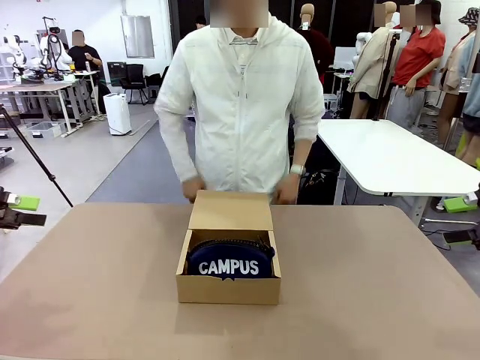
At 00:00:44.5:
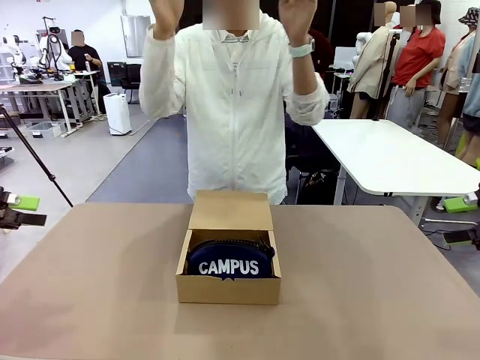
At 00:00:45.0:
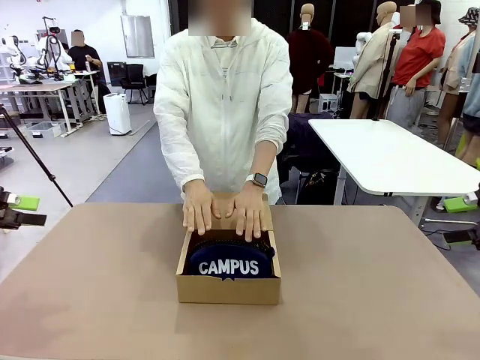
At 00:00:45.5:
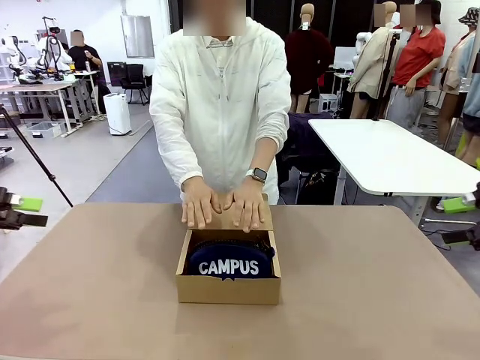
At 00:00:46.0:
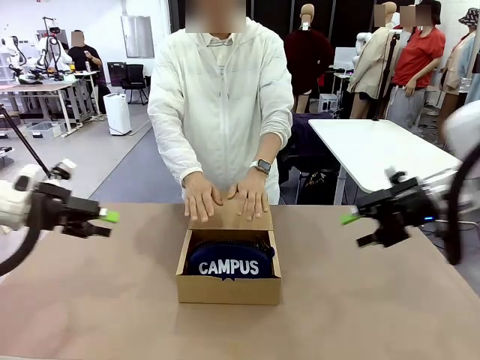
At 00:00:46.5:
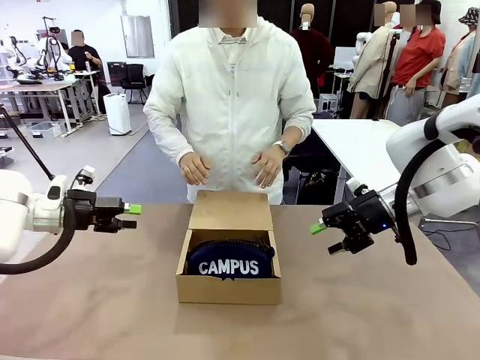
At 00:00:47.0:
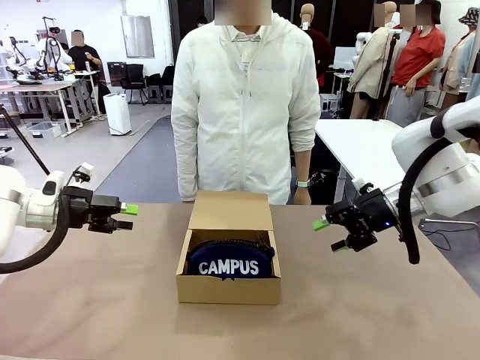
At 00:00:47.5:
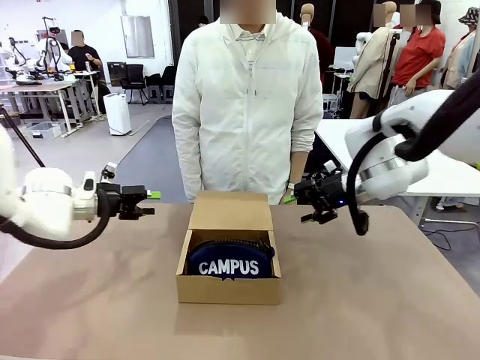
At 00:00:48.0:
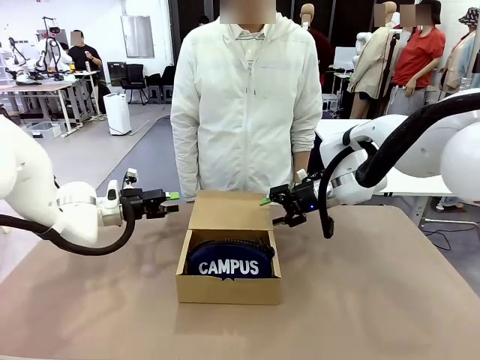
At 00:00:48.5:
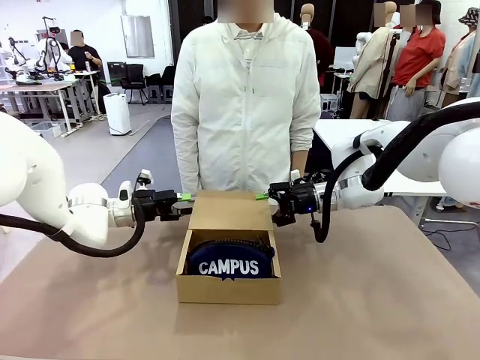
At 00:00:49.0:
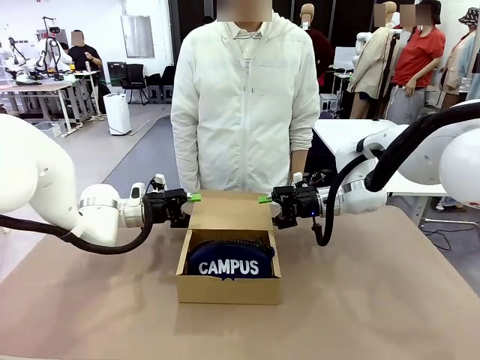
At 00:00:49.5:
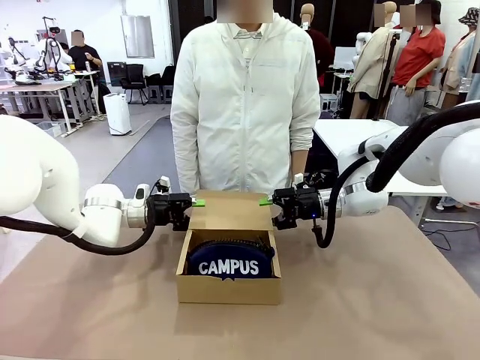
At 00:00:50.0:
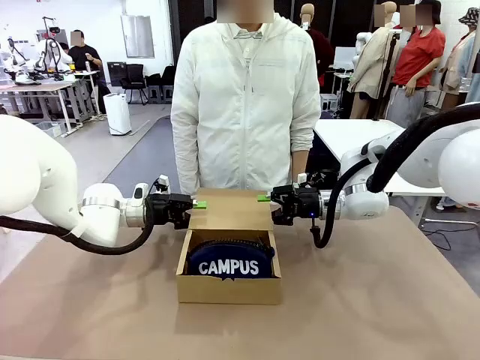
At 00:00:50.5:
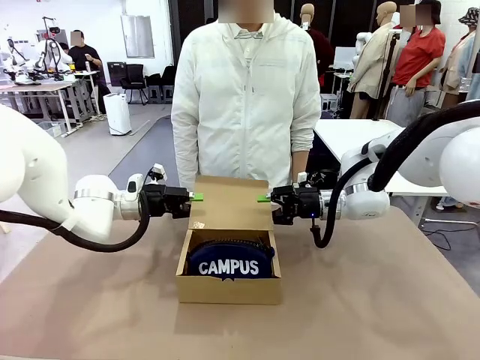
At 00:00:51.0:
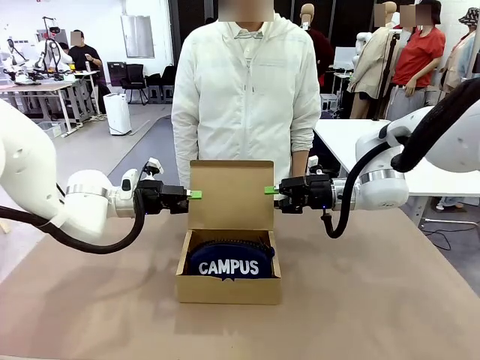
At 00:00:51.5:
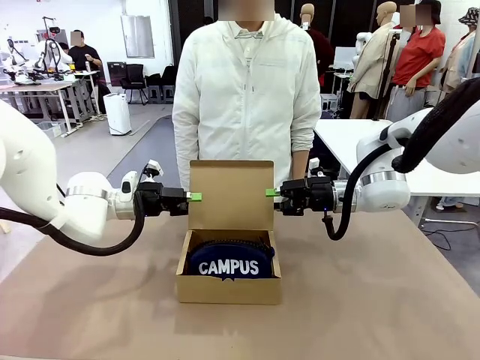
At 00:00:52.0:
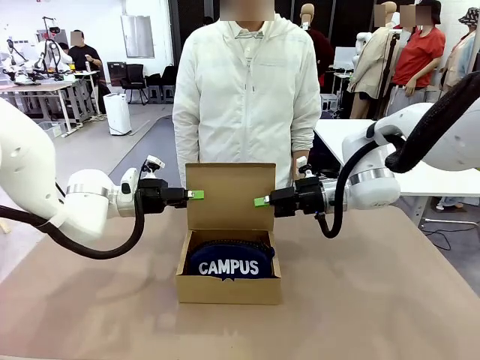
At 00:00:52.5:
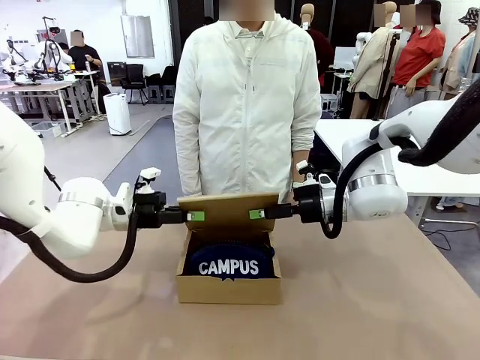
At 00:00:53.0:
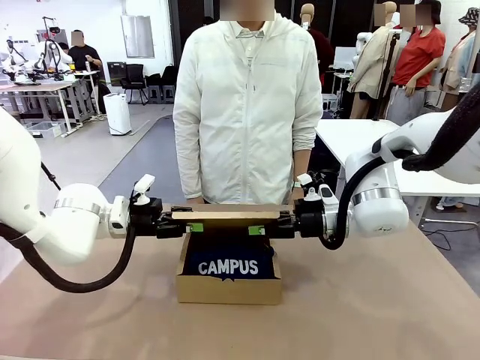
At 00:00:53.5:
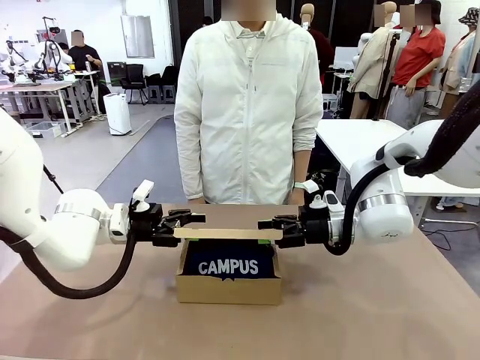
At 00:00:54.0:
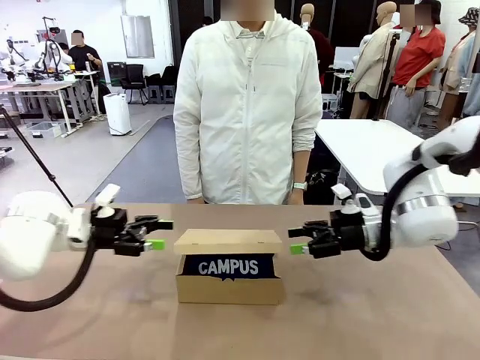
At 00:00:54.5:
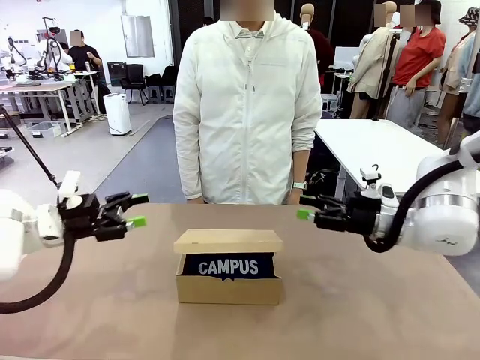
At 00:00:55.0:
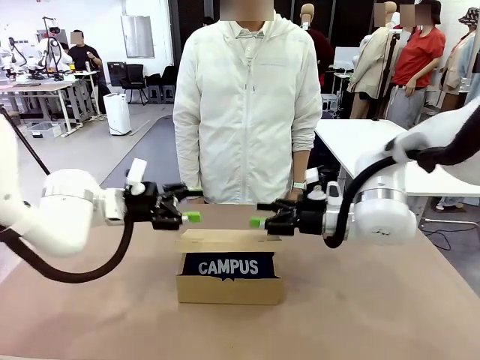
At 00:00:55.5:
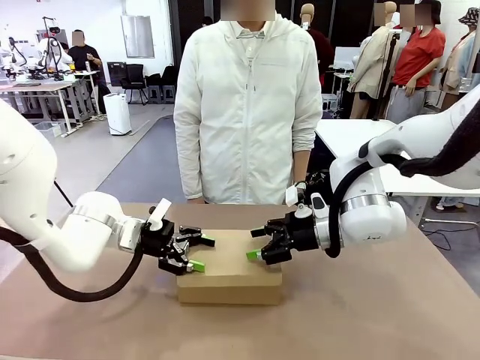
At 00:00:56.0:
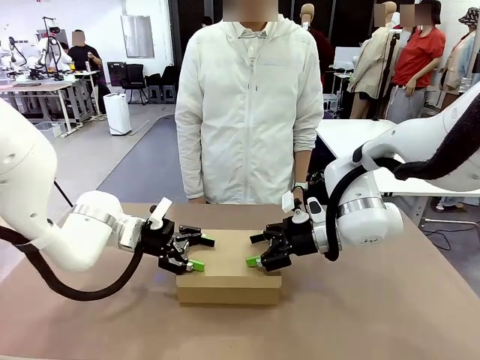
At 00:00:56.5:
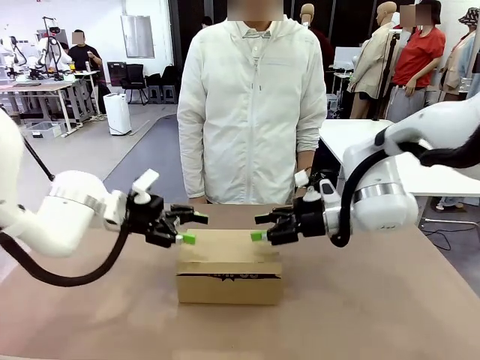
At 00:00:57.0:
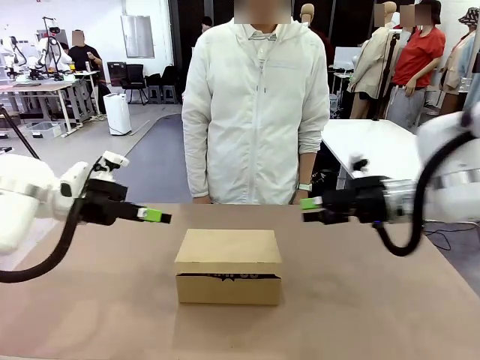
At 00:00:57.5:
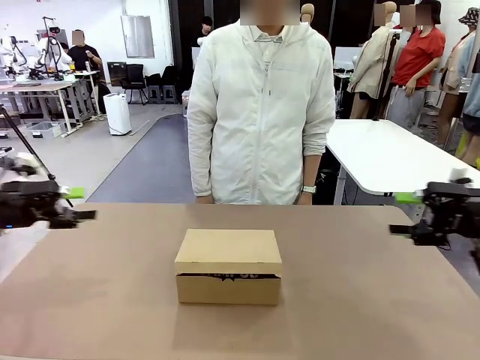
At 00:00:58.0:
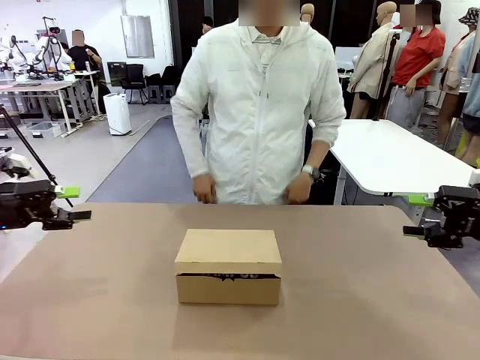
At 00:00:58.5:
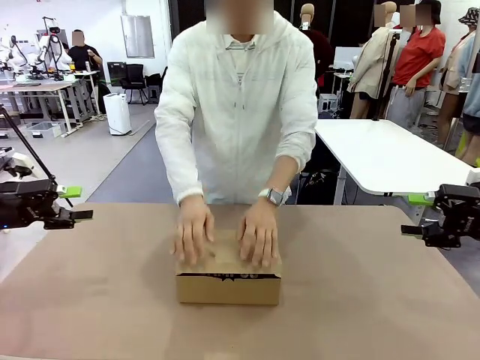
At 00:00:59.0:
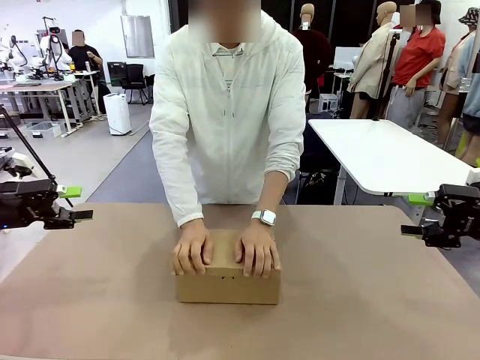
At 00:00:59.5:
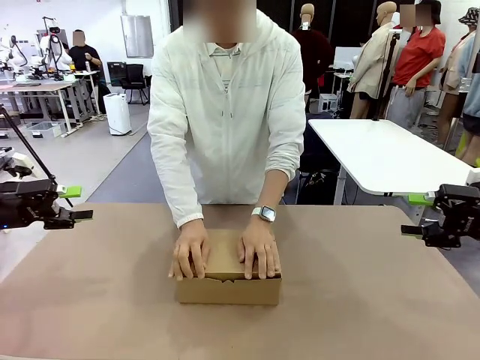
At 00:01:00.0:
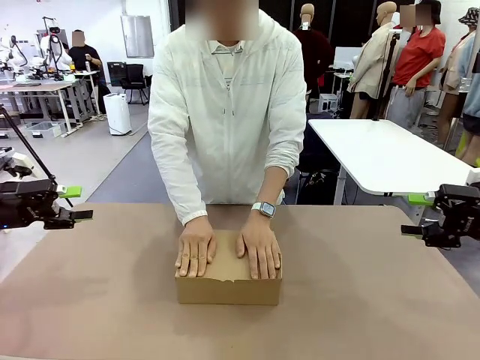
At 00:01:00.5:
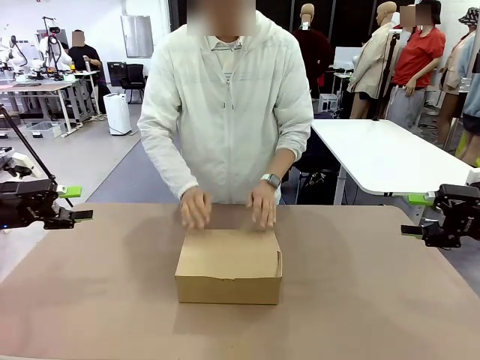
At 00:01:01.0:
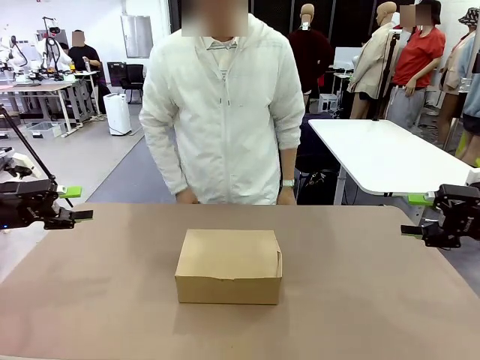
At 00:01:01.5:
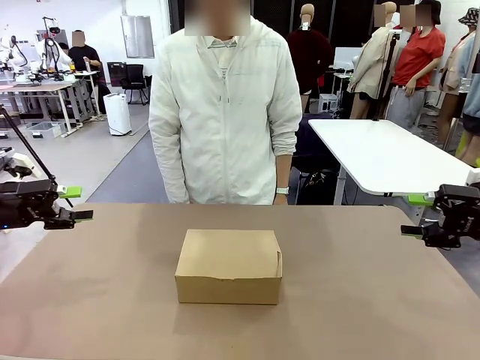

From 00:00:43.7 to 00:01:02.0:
Task: Pack the items into the box.
Robot: Close the Mailer Box.
Person: Turn the box and lock it.

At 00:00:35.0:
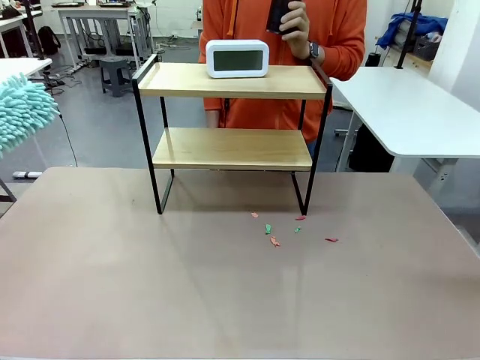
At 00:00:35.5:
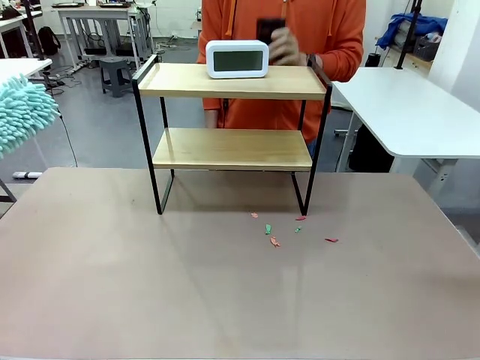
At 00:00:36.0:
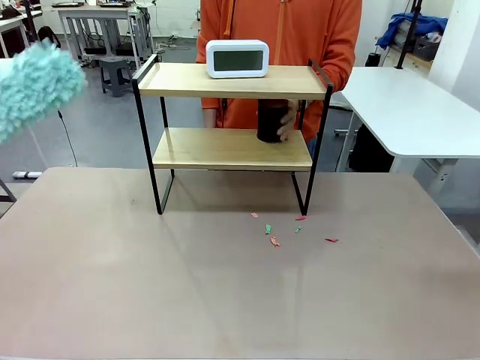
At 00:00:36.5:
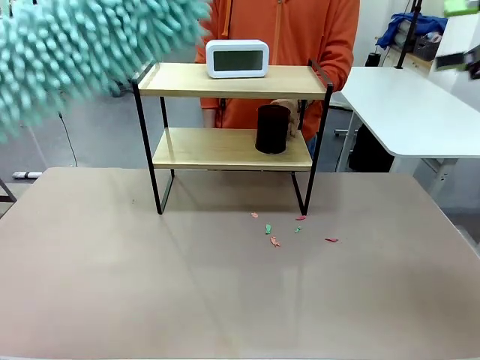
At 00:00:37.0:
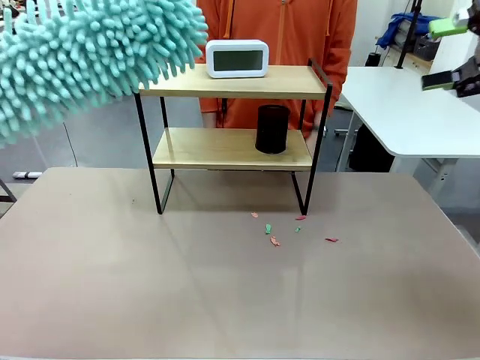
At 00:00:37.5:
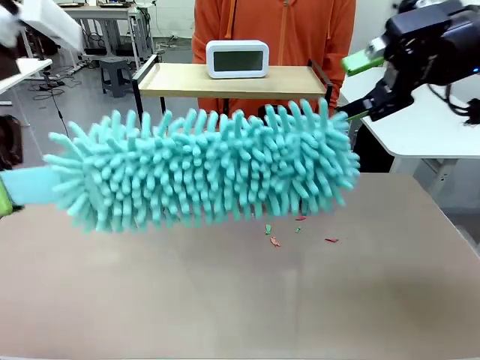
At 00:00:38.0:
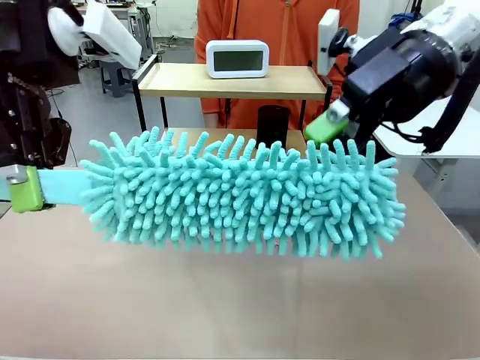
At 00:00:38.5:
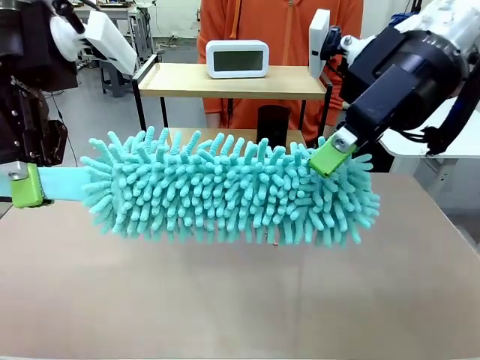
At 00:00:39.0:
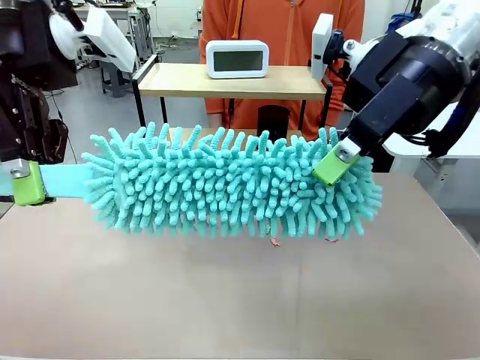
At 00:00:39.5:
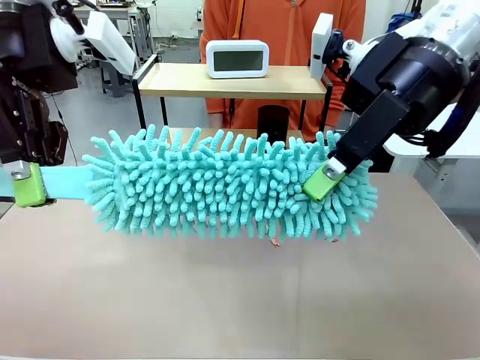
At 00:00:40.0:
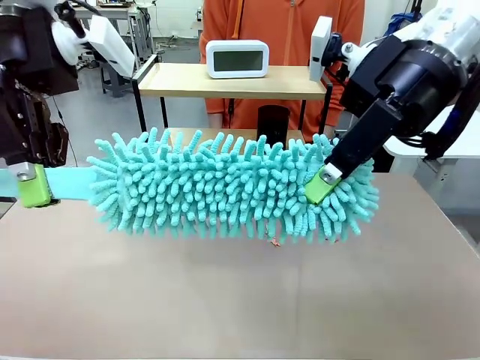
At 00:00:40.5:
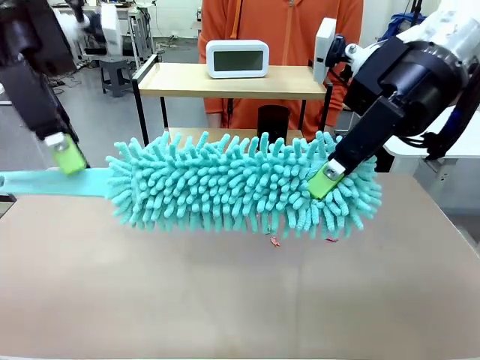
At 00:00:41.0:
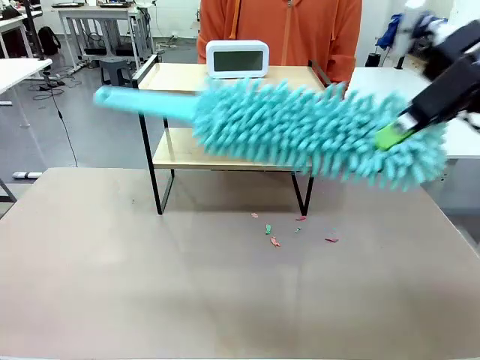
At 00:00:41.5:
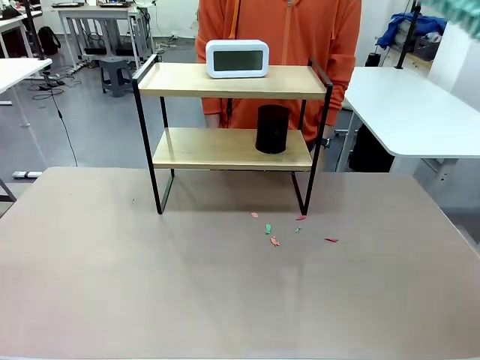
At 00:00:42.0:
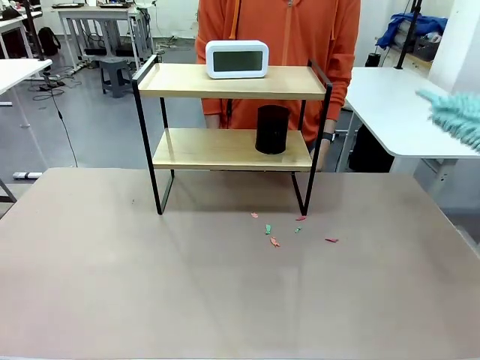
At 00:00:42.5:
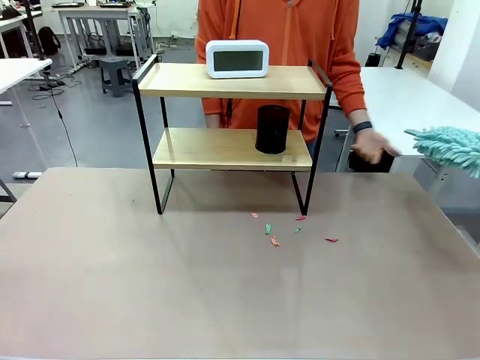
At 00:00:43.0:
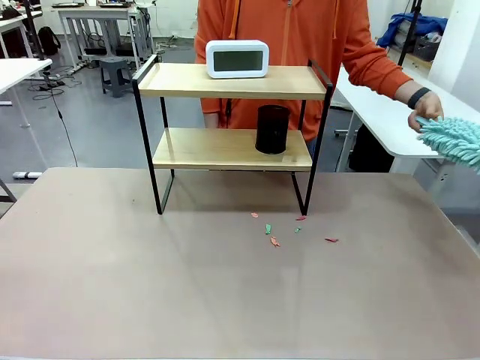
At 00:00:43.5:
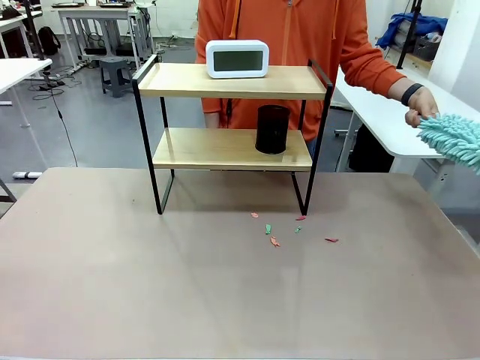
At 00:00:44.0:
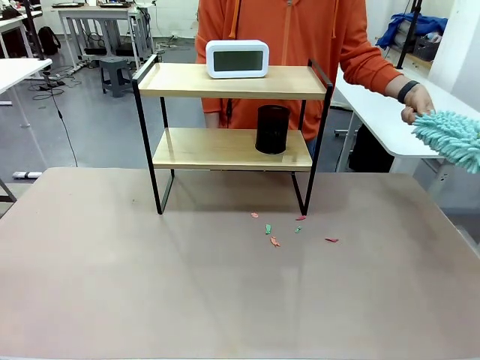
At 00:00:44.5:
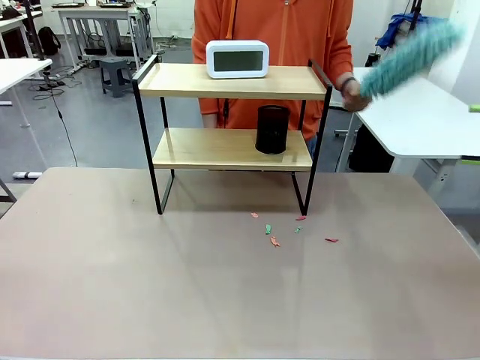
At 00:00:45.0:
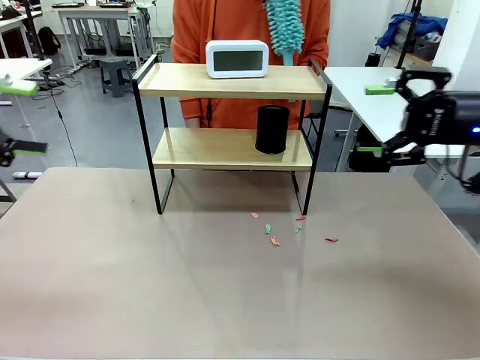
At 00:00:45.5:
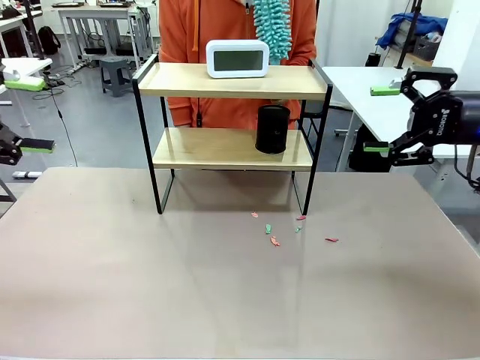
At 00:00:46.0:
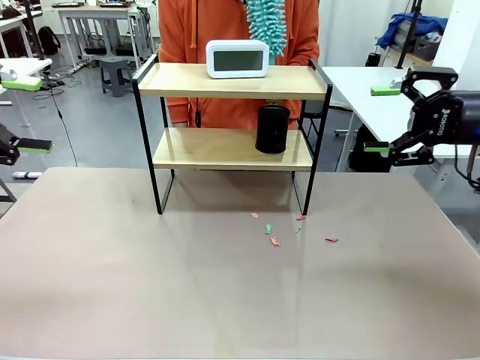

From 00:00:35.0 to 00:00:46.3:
Task: Clean the shelf.
Robot: Hand the Duster back to the human.
